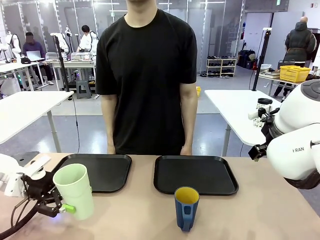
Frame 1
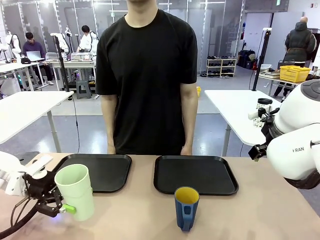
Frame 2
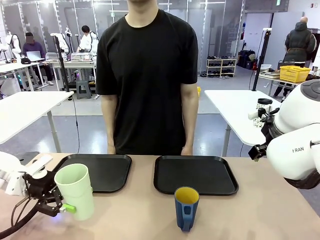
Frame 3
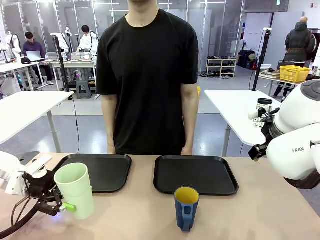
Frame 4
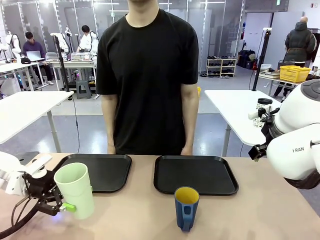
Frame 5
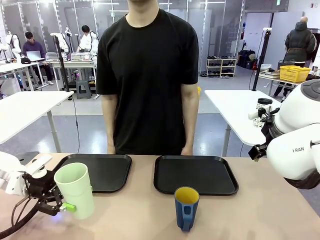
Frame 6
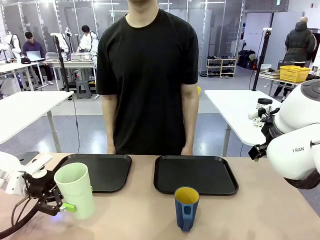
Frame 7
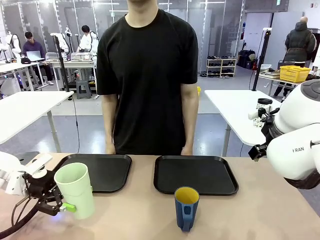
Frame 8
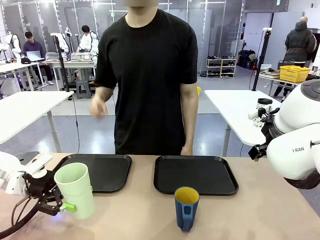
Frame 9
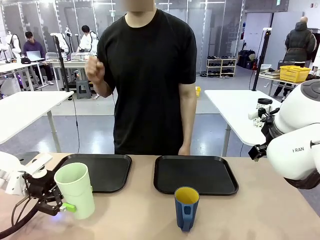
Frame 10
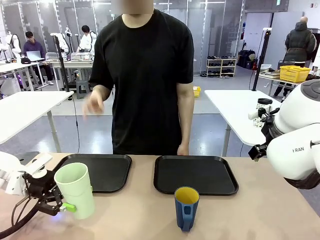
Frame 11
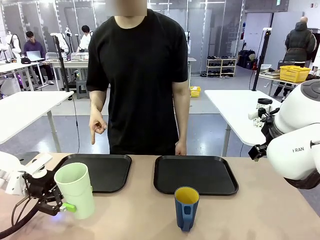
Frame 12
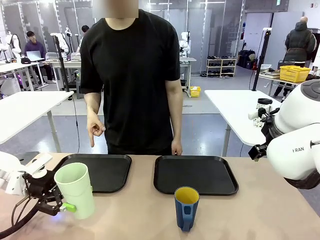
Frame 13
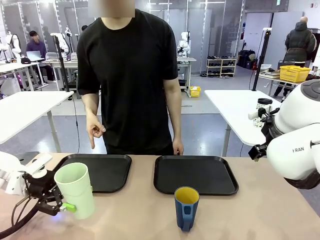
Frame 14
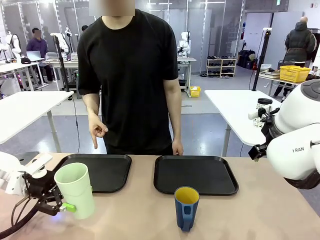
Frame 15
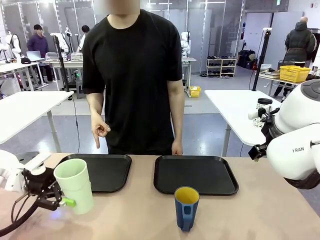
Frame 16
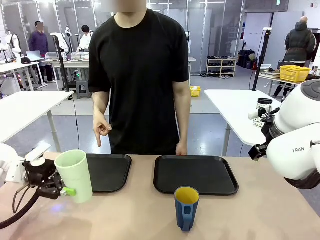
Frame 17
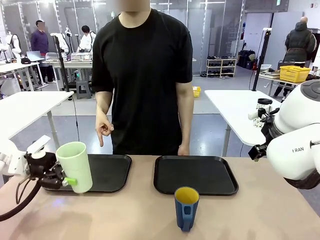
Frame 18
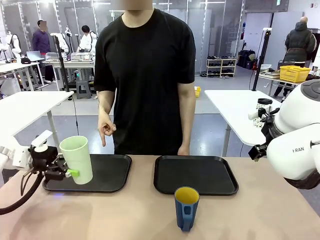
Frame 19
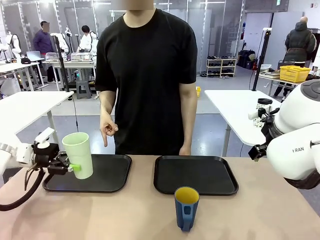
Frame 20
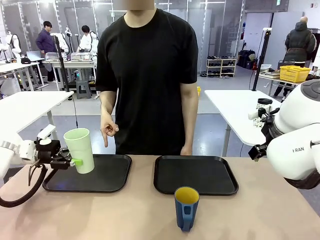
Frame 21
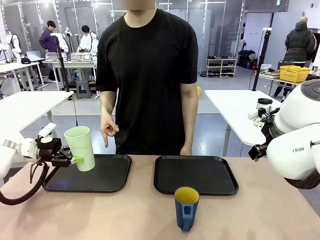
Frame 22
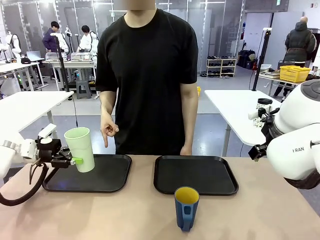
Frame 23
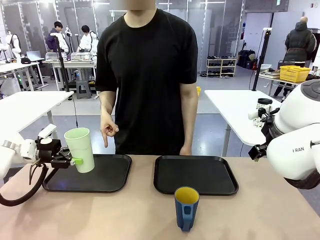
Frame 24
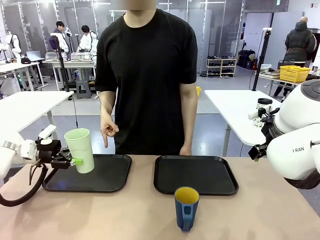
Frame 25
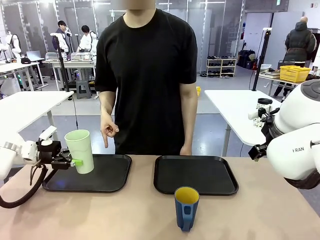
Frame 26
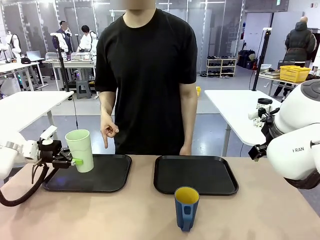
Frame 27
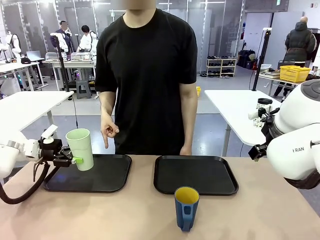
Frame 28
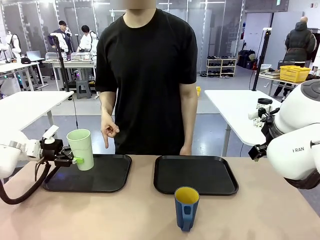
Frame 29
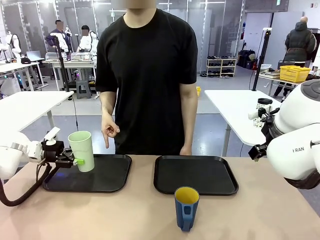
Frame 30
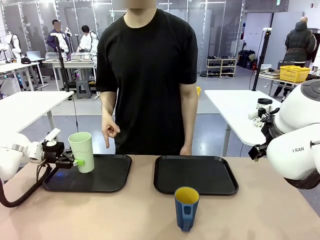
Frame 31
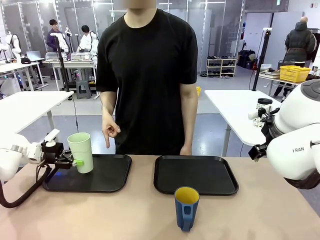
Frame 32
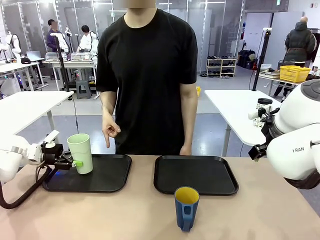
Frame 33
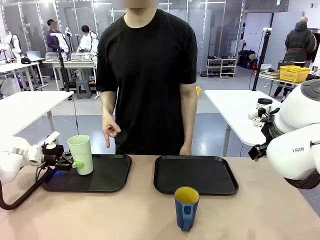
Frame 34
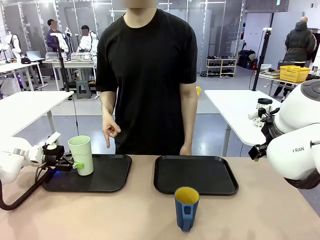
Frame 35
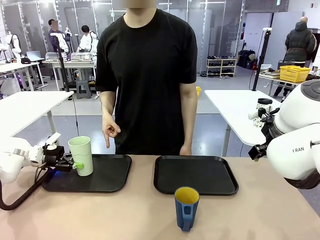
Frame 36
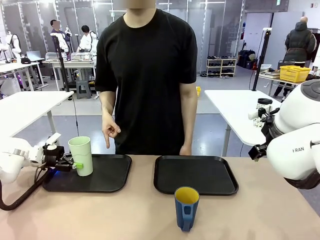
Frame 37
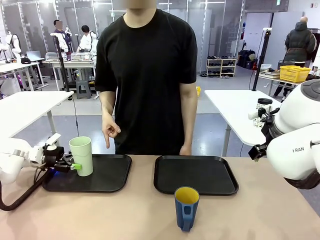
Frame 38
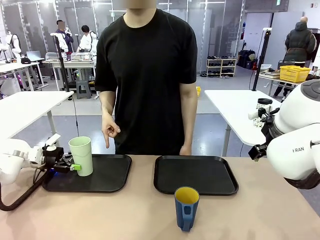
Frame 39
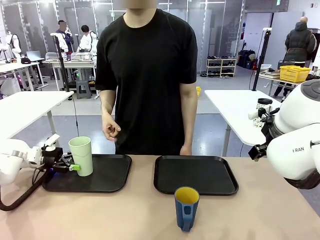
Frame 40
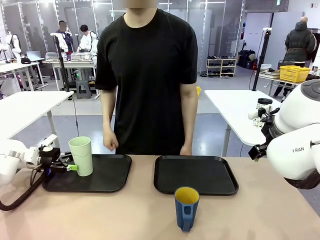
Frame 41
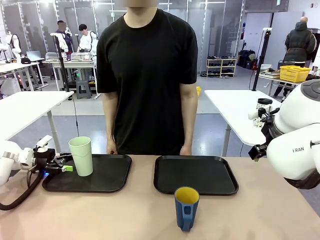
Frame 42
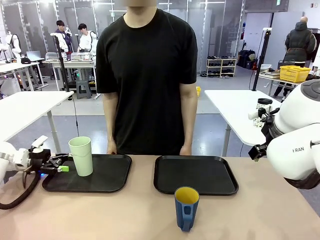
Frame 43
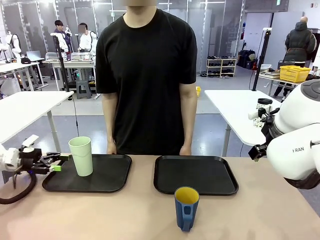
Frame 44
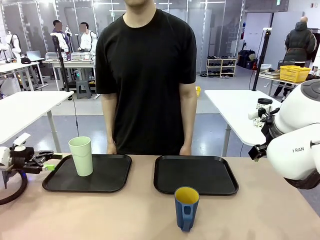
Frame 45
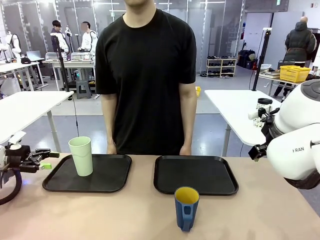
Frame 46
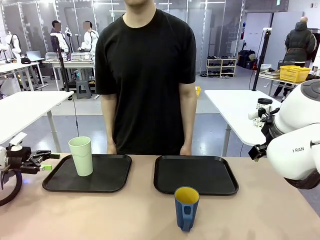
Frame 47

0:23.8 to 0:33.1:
Task: Sort and store the cups by type.
Robot: Place the picked Reusable plastic cup into the Flat Tray indicated by the person.

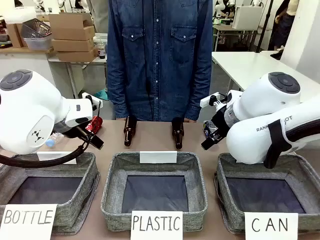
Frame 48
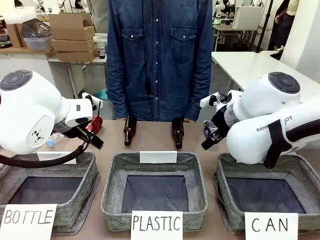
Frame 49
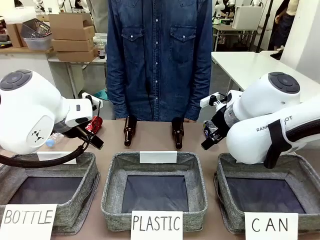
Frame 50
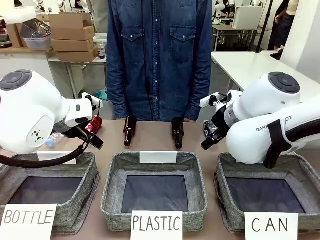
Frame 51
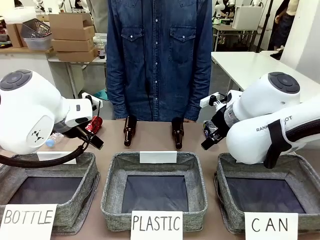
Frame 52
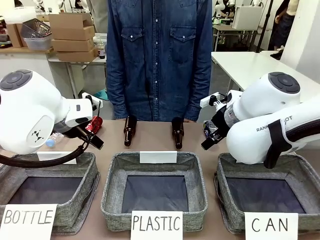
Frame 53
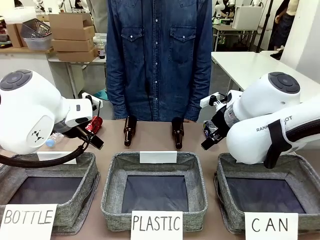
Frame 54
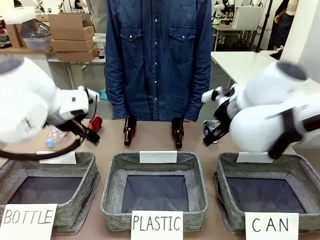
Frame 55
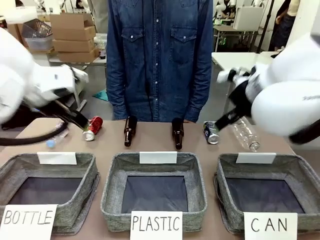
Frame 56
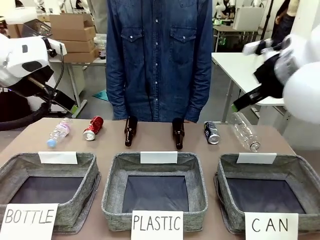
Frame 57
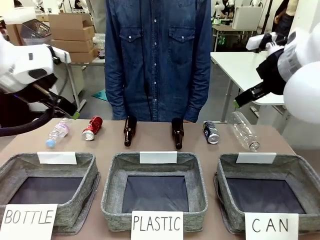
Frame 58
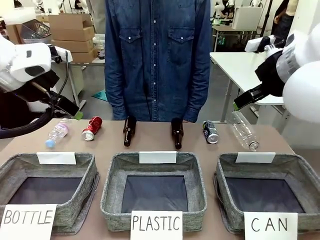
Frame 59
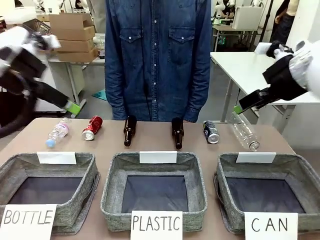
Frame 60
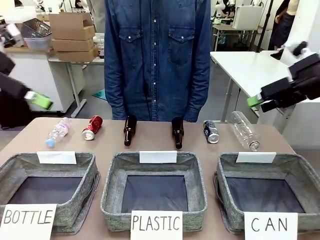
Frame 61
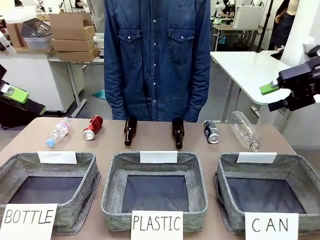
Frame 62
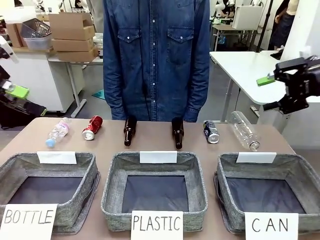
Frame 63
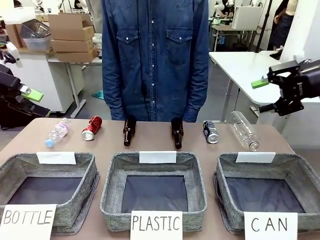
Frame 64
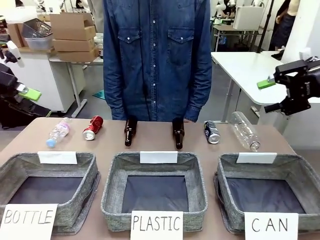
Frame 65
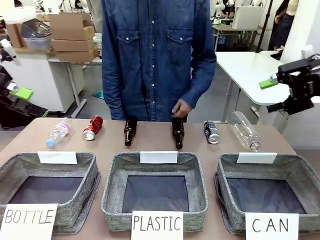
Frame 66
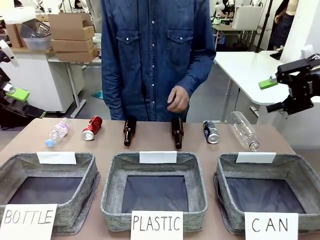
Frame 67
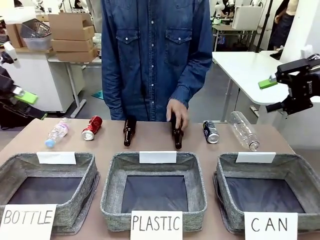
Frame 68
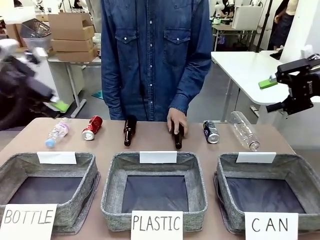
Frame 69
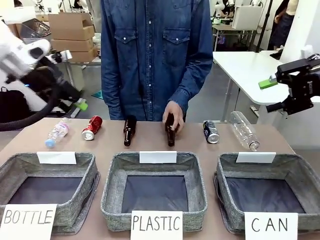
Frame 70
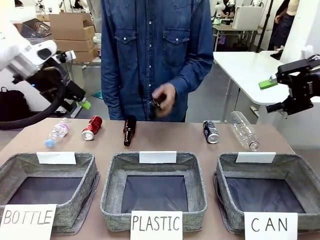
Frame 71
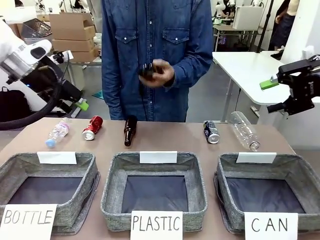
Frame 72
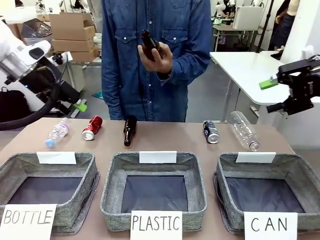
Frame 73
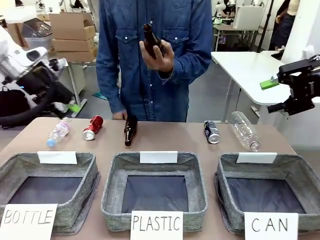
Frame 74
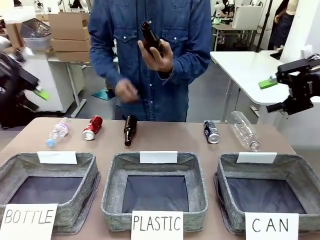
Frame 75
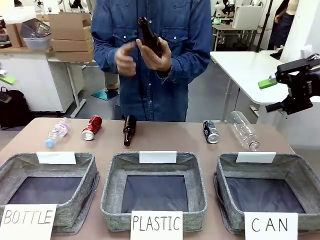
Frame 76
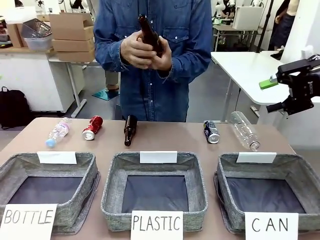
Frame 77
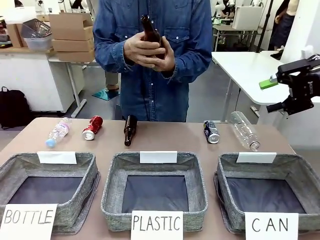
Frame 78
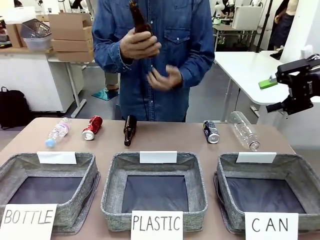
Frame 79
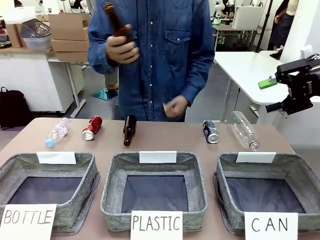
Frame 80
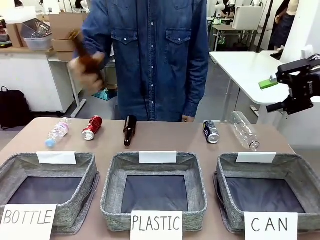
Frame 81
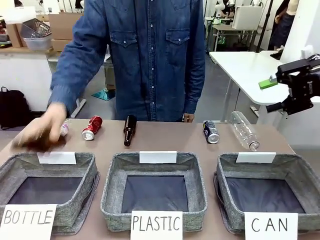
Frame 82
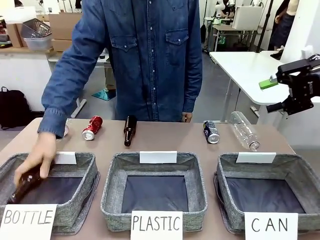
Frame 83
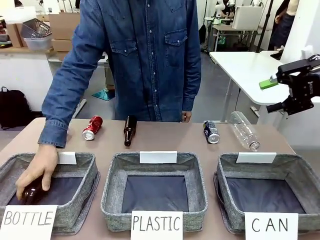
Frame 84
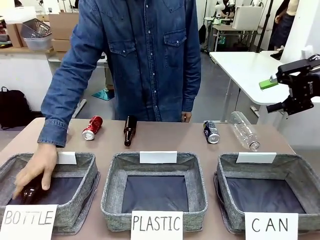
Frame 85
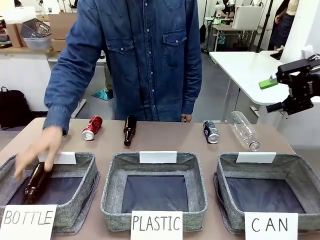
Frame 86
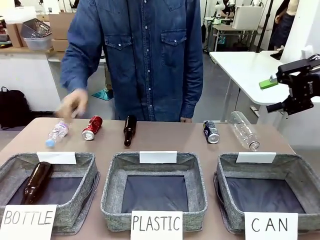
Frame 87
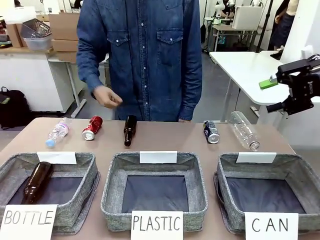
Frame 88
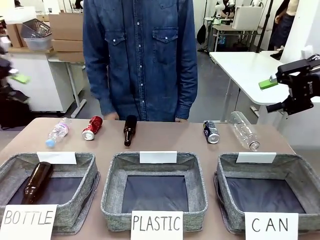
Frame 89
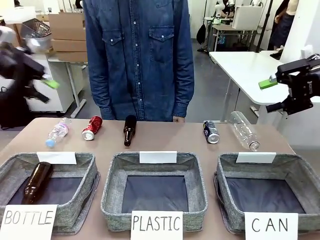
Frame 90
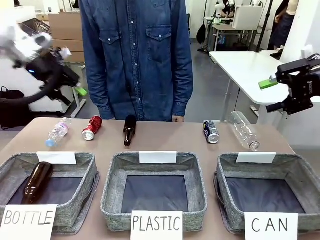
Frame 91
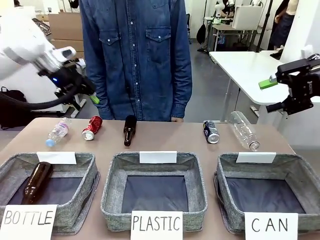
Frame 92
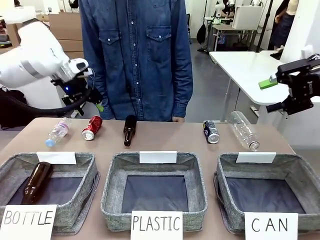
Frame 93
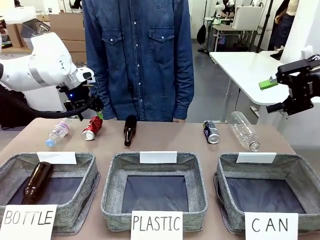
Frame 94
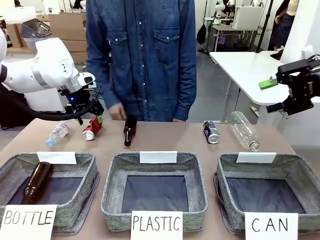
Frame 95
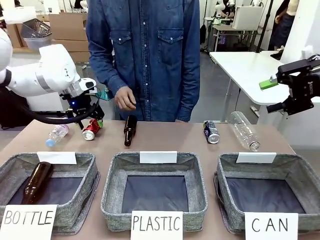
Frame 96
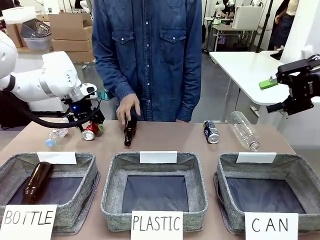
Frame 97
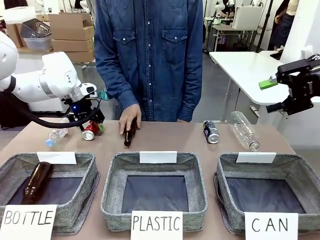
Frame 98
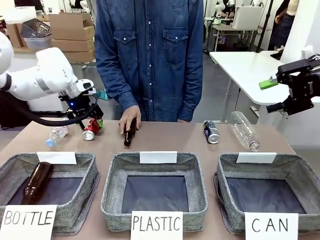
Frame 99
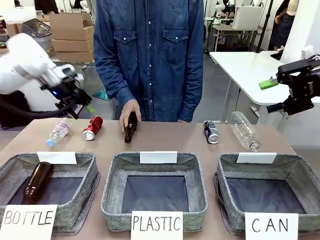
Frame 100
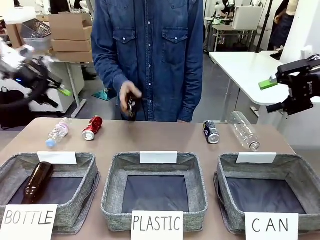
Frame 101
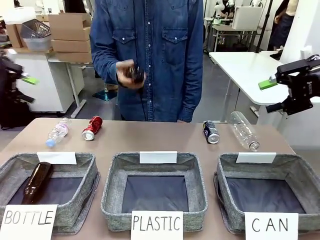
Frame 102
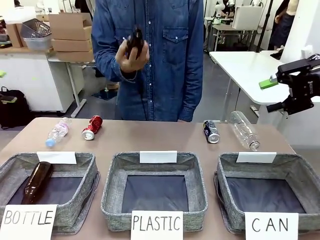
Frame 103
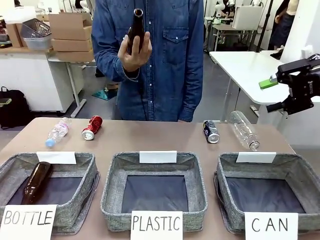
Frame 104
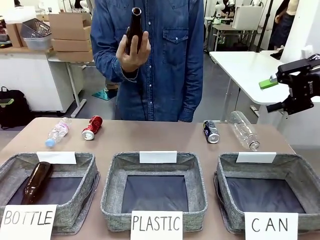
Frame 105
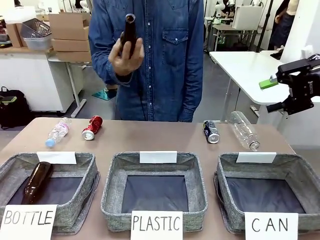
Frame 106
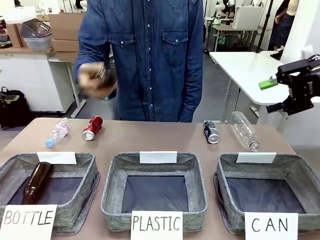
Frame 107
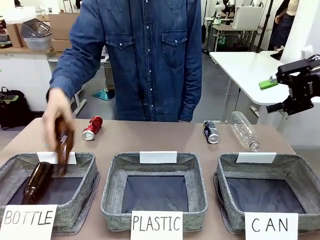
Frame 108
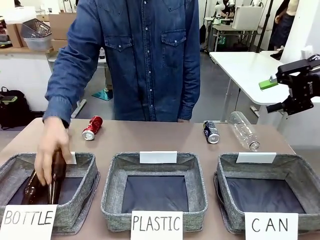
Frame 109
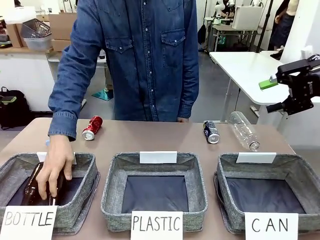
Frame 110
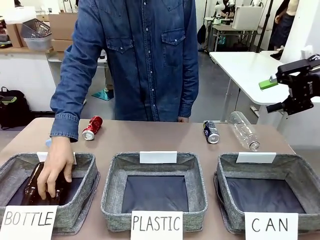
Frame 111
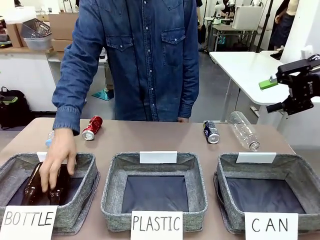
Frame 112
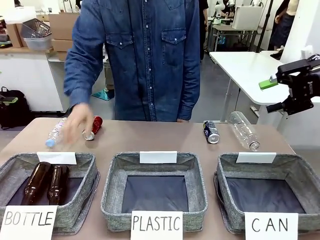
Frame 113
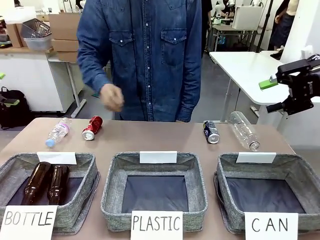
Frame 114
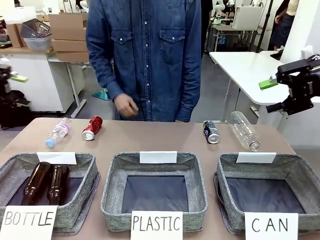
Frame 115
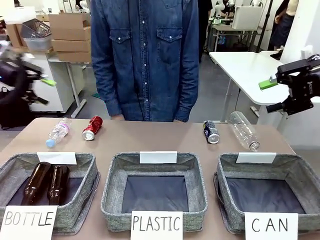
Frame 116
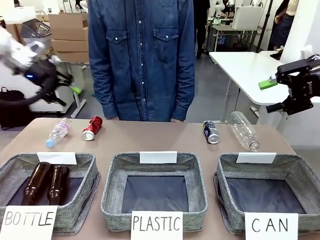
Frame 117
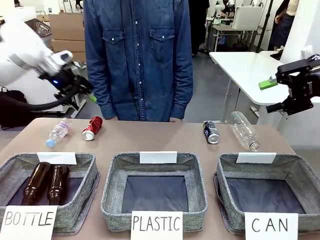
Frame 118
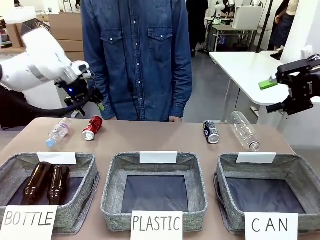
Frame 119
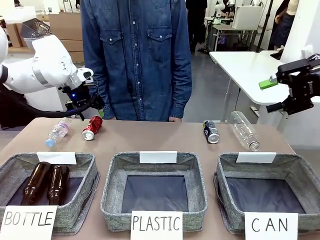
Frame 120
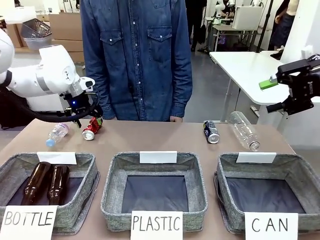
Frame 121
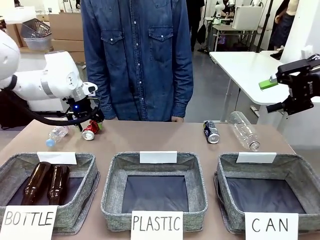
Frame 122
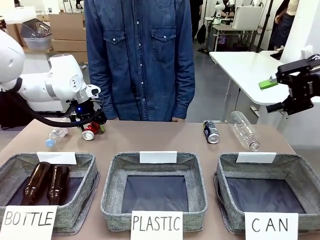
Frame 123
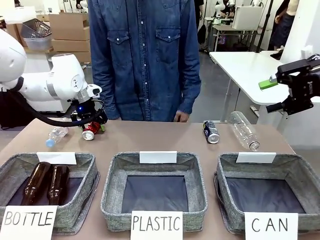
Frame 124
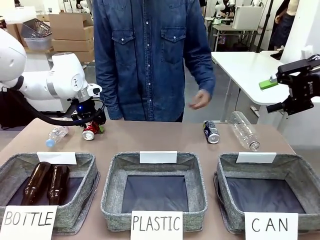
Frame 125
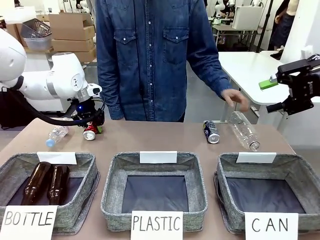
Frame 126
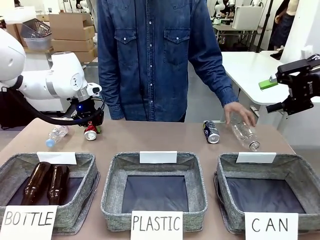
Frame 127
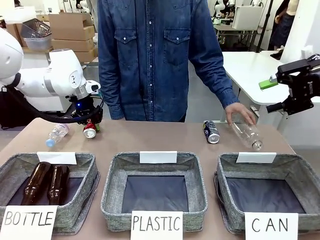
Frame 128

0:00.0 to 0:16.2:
Task: Sort the can waste into the basket.
Robot: Pick up the can waste from the table and place it in the right Fabric basket.
